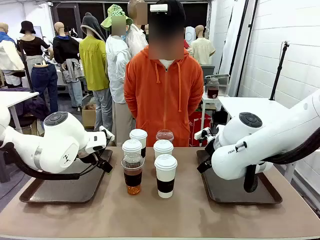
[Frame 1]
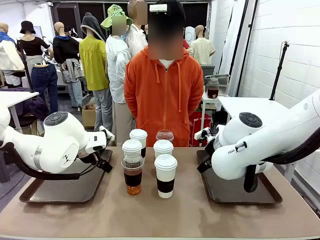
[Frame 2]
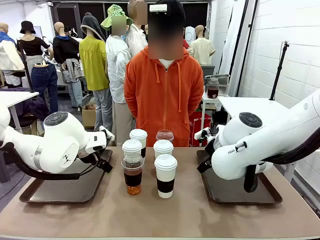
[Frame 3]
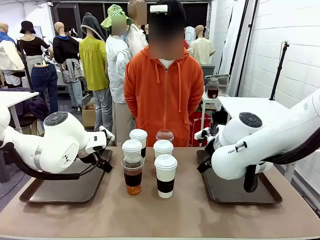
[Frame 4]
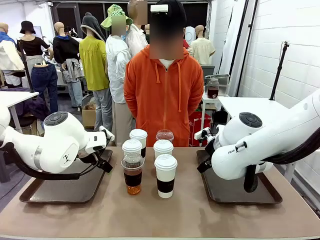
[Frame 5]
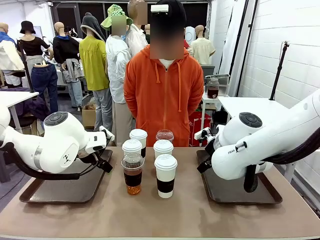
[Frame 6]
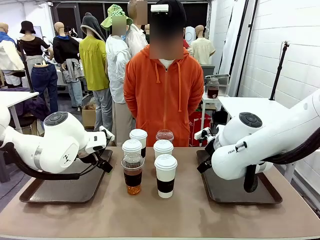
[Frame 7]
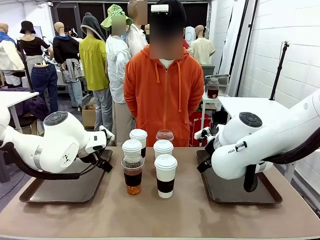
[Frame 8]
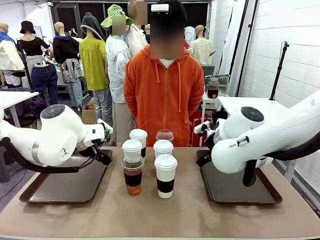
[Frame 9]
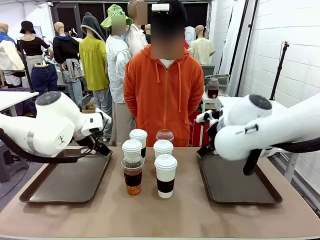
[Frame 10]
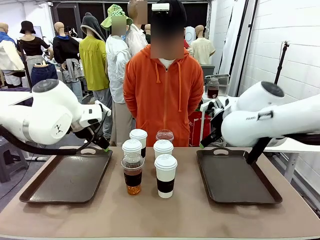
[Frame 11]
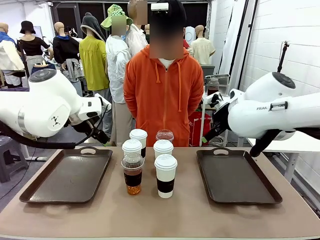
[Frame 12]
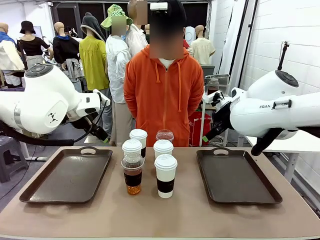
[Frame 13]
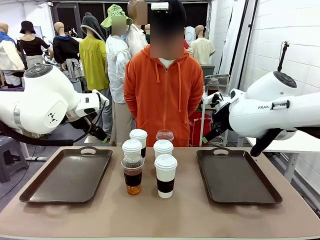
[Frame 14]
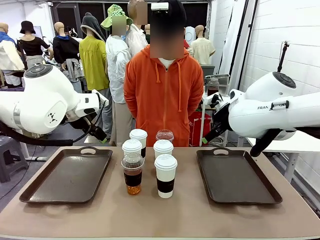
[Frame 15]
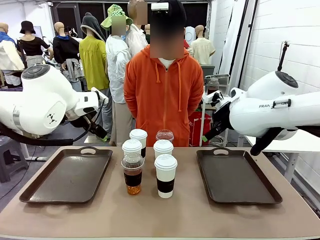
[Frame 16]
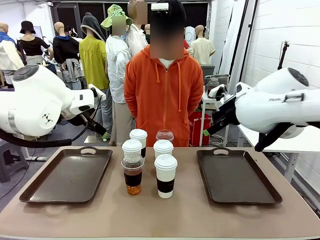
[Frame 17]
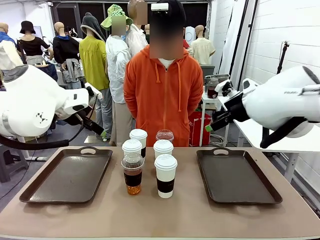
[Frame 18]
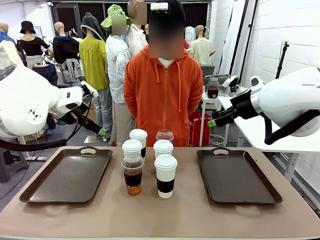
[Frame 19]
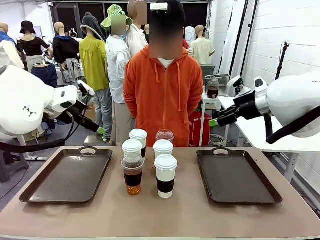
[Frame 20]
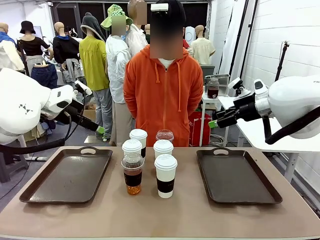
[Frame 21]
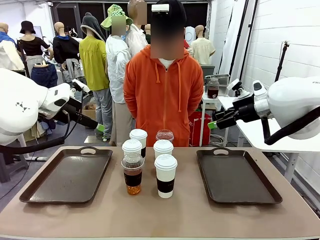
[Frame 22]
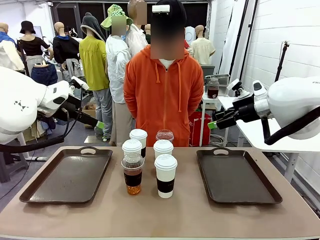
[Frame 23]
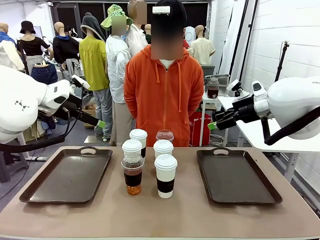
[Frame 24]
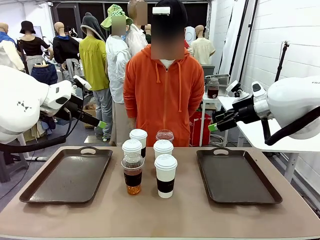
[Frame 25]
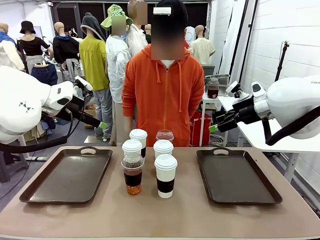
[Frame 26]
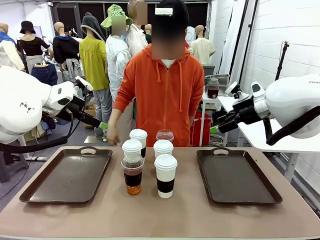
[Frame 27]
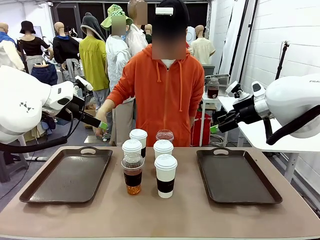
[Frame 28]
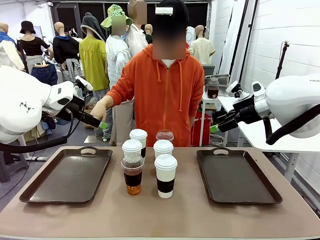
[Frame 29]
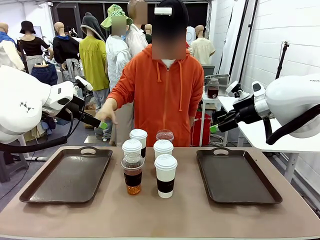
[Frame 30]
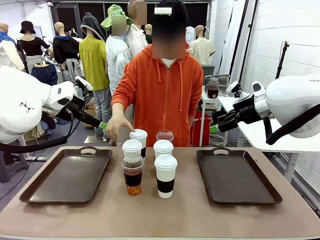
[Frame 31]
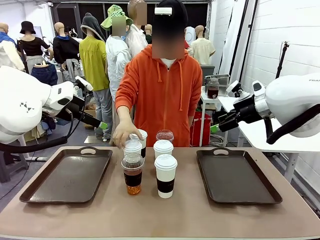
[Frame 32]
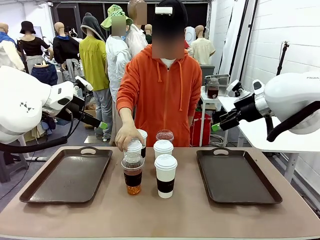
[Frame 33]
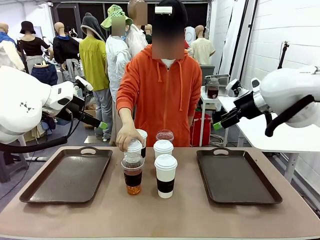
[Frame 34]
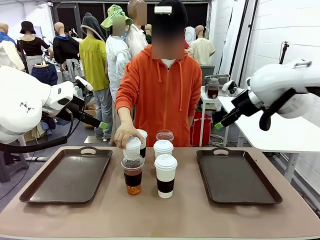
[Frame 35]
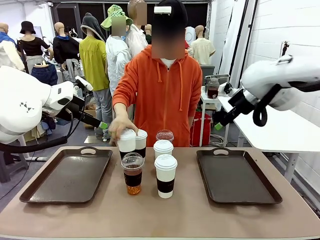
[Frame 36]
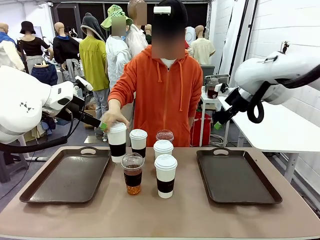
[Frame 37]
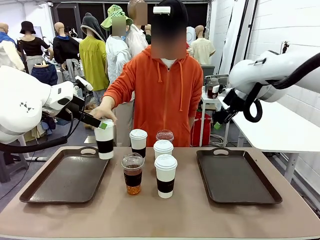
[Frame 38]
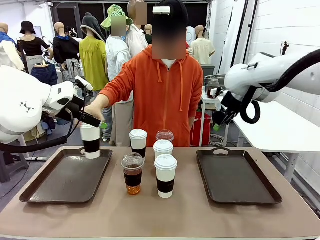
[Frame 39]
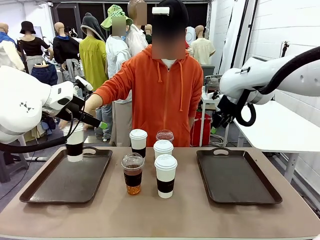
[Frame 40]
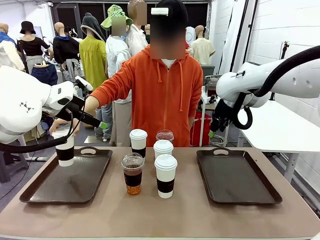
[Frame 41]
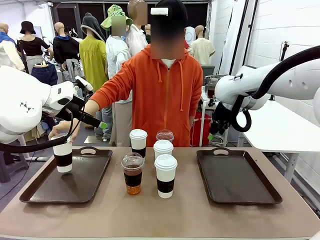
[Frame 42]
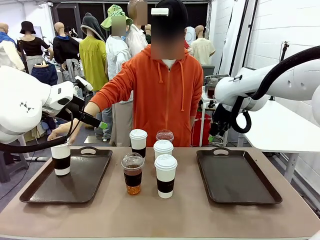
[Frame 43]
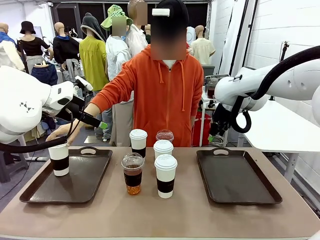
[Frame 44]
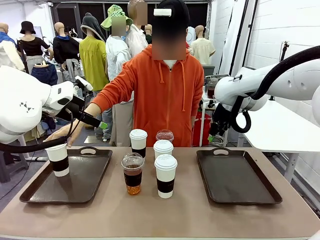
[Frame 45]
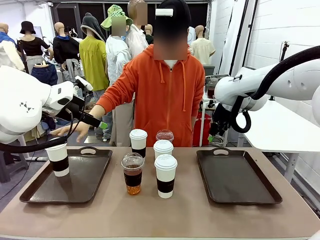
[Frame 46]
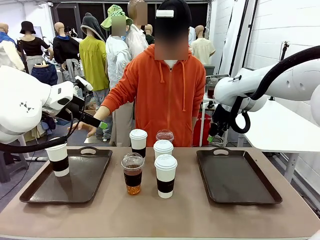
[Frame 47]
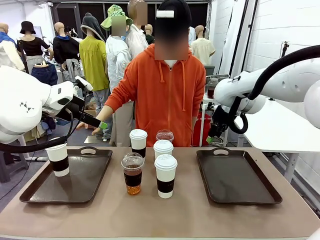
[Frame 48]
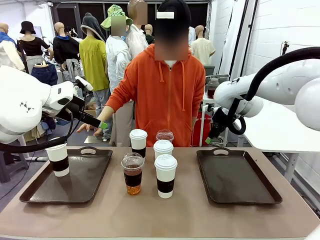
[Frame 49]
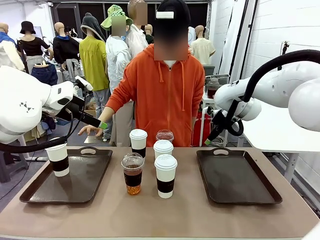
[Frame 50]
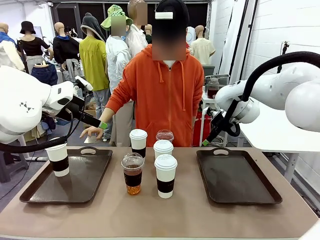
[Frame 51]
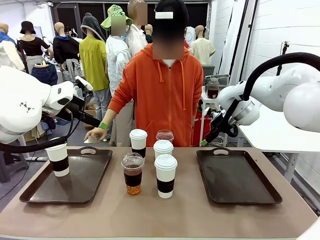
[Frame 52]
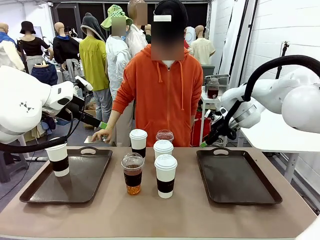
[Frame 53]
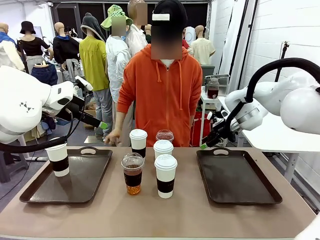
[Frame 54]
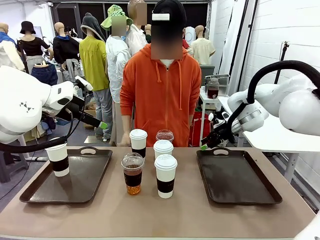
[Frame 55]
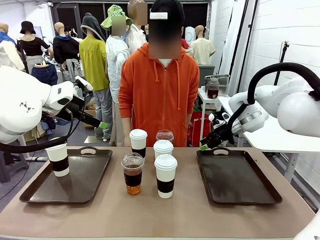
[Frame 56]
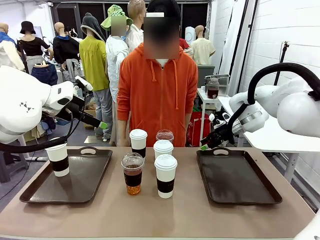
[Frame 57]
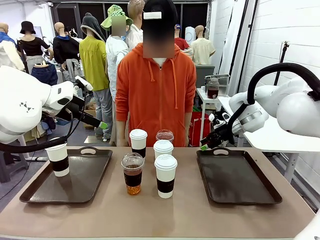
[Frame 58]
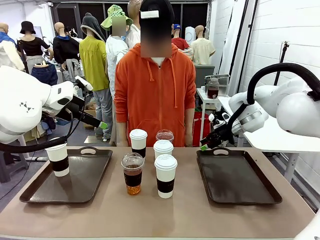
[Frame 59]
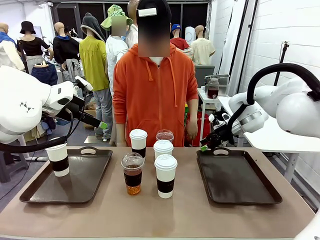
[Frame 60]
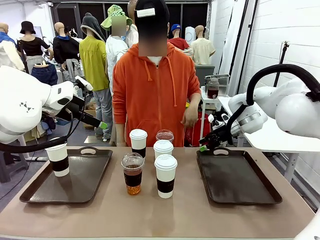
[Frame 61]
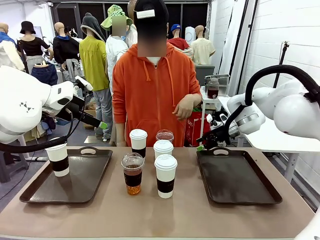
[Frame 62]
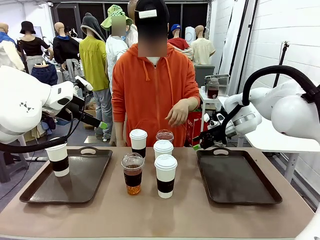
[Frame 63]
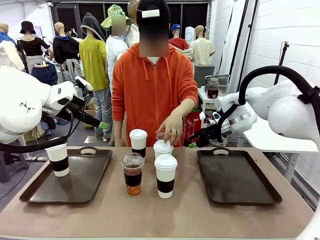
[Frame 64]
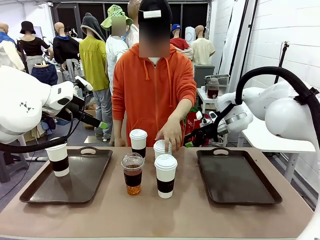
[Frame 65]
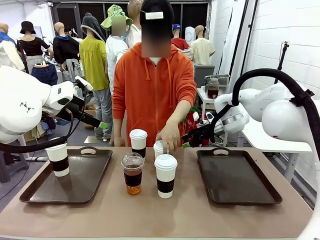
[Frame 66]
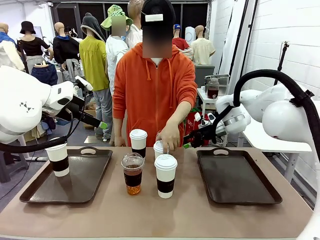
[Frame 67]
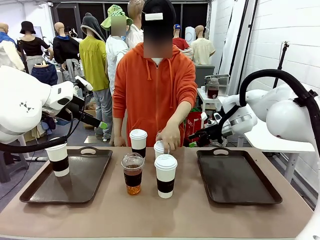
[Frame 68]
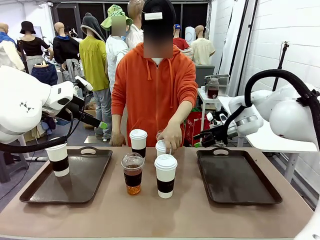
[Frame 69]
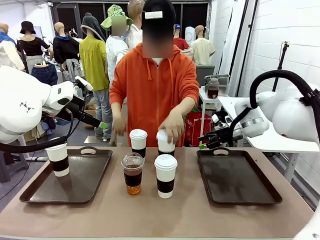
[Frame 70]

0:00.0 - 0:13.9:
Task: Distribute the coffee onto the tray.
Robot: Pick up one iced Americano and place it on the right Handle tray.
Person: Pick up a cup of hot Americano and place it on the right tray.
